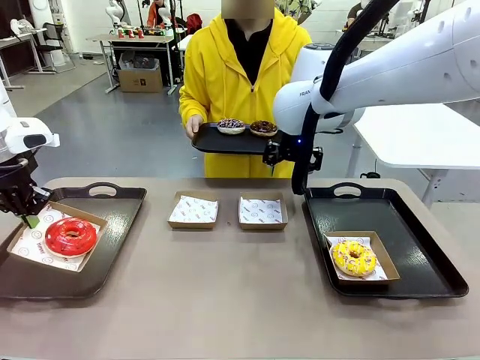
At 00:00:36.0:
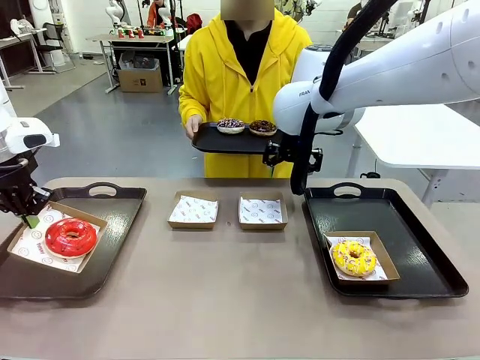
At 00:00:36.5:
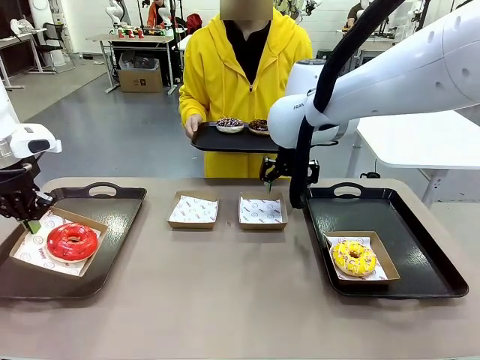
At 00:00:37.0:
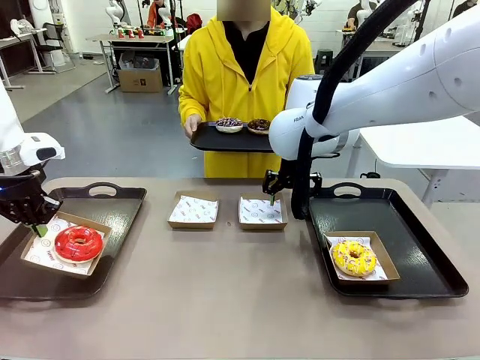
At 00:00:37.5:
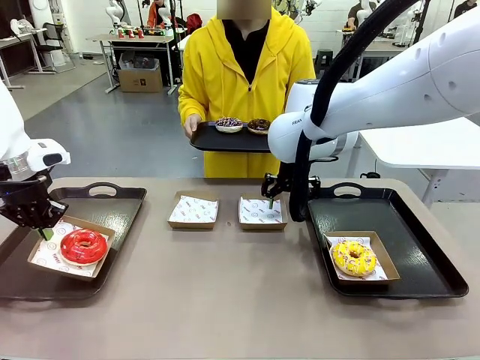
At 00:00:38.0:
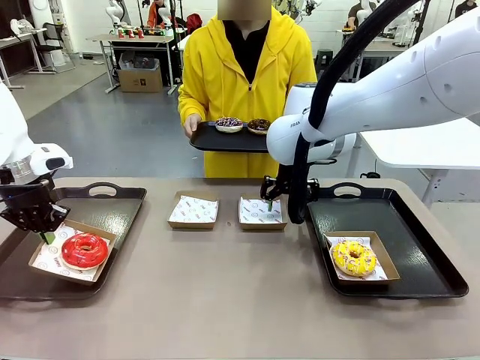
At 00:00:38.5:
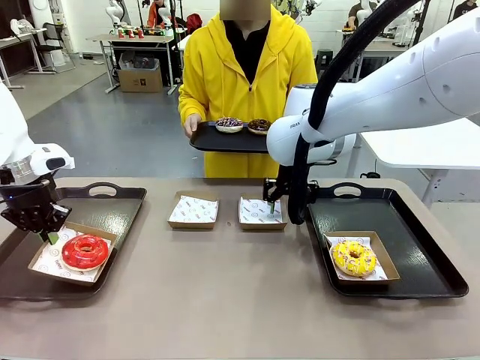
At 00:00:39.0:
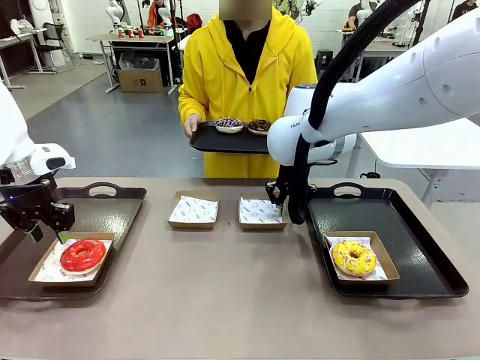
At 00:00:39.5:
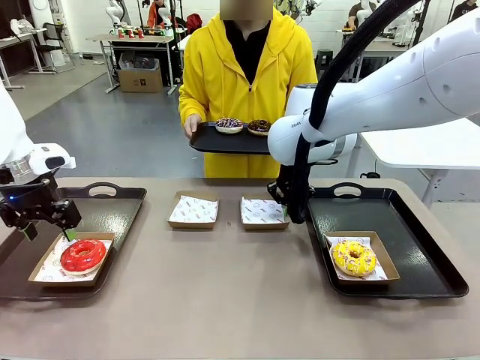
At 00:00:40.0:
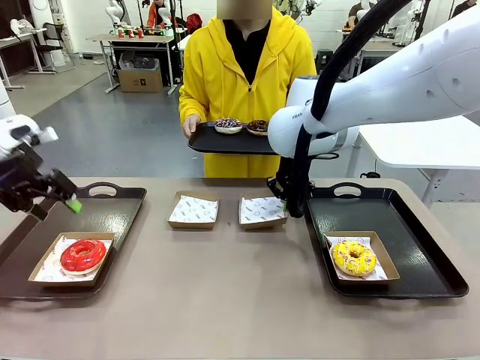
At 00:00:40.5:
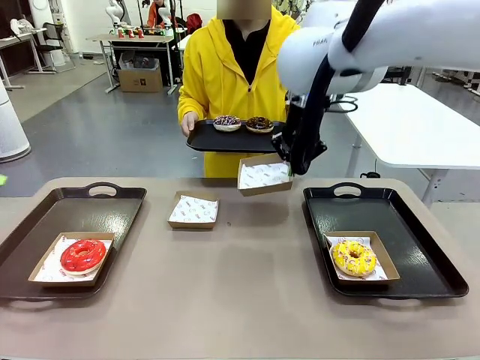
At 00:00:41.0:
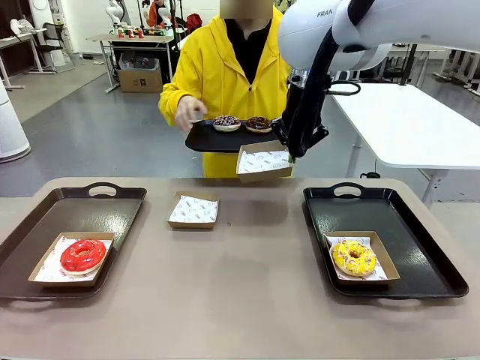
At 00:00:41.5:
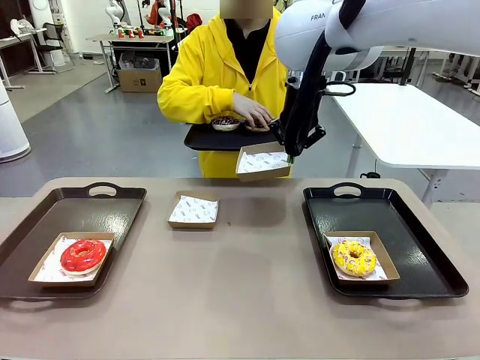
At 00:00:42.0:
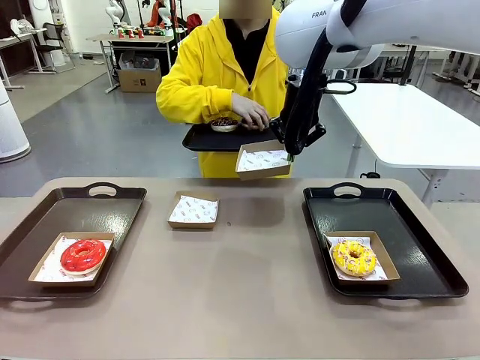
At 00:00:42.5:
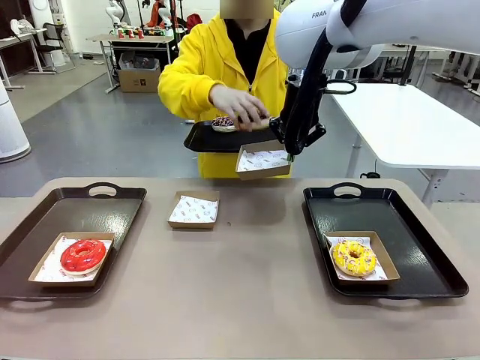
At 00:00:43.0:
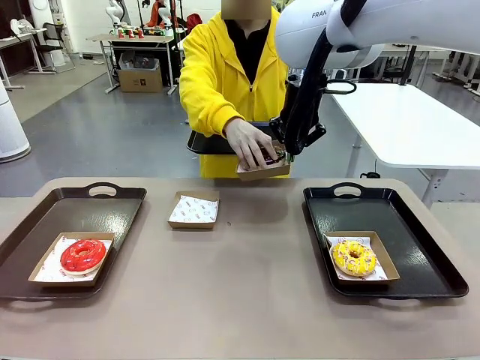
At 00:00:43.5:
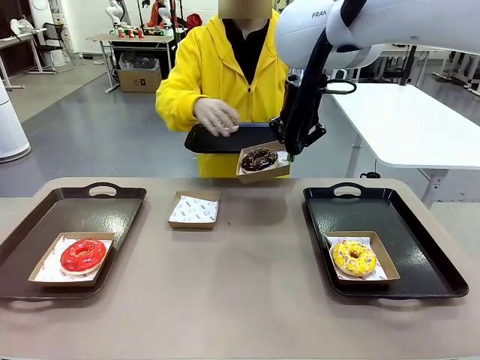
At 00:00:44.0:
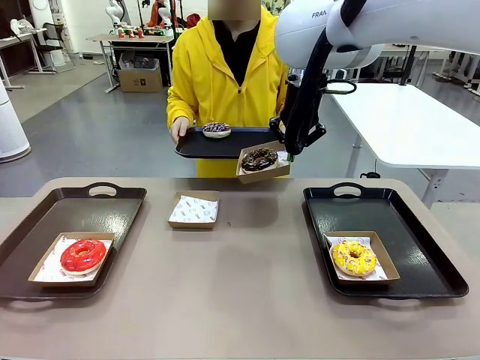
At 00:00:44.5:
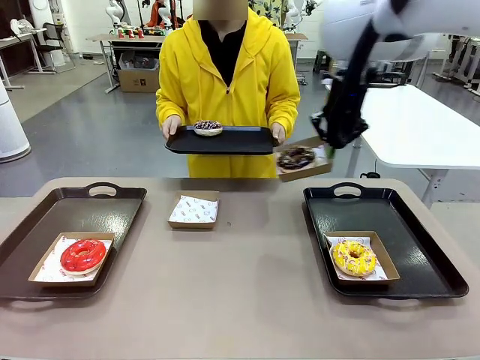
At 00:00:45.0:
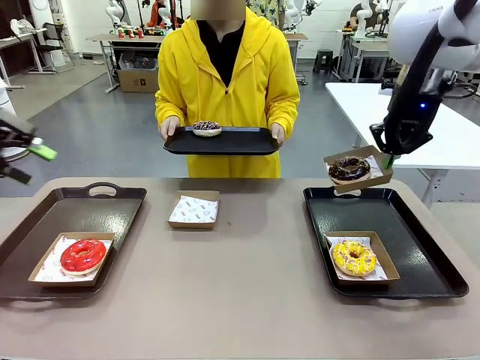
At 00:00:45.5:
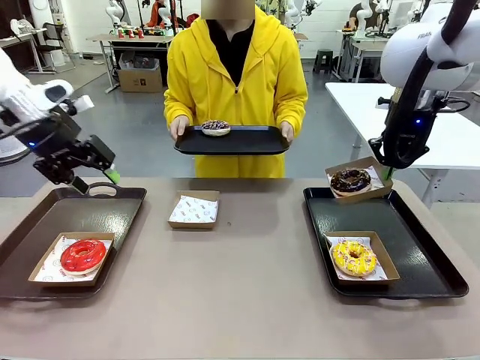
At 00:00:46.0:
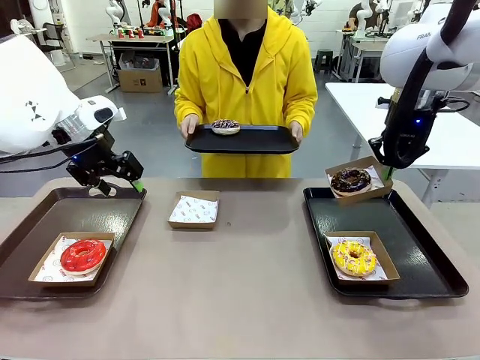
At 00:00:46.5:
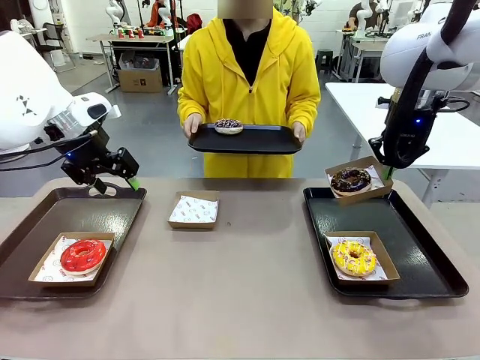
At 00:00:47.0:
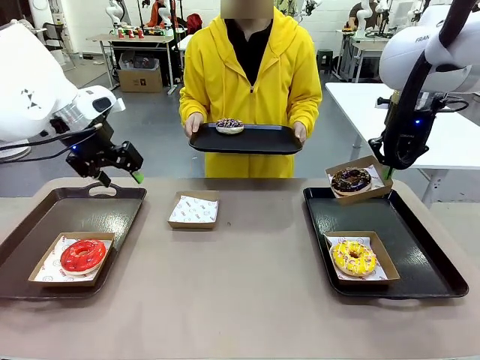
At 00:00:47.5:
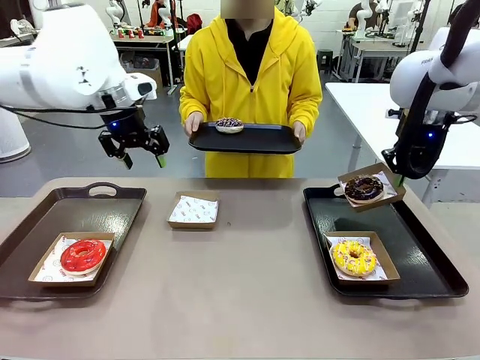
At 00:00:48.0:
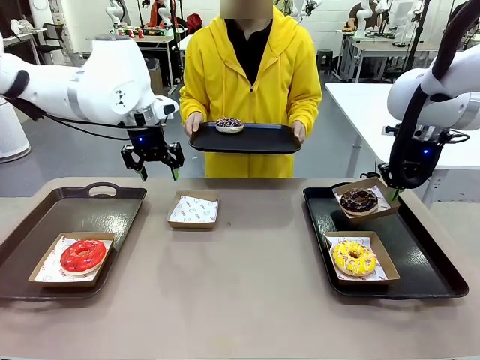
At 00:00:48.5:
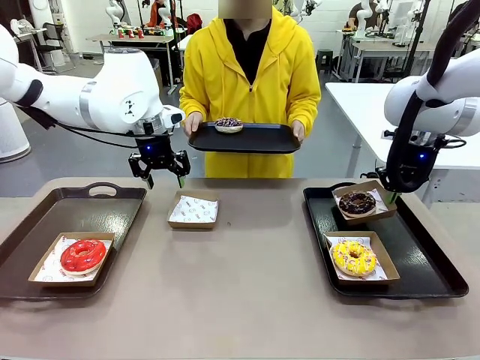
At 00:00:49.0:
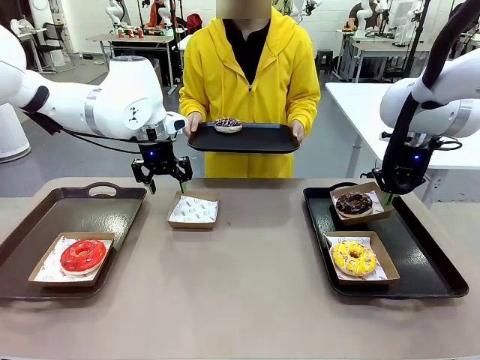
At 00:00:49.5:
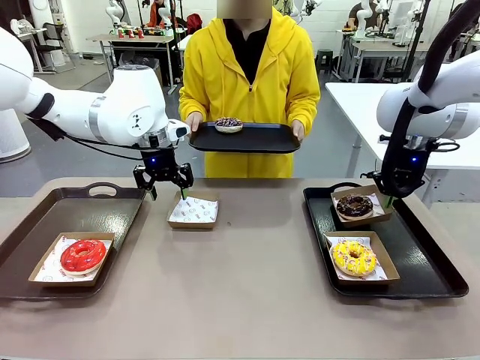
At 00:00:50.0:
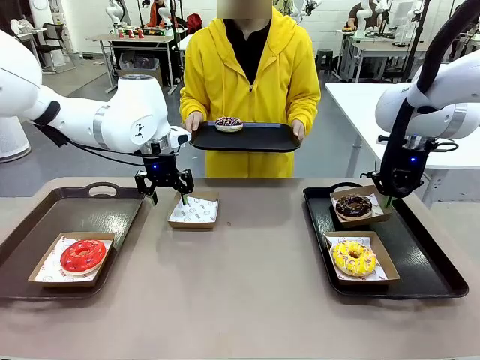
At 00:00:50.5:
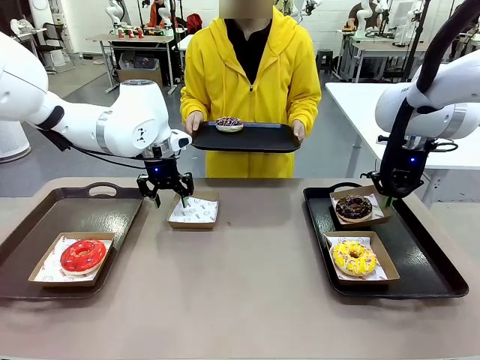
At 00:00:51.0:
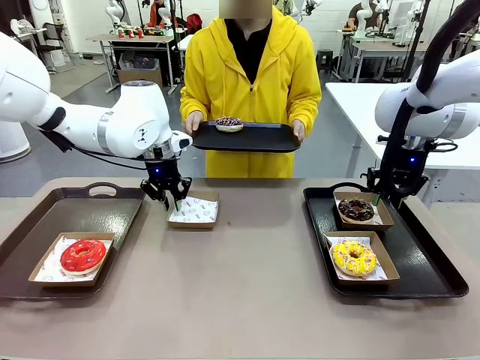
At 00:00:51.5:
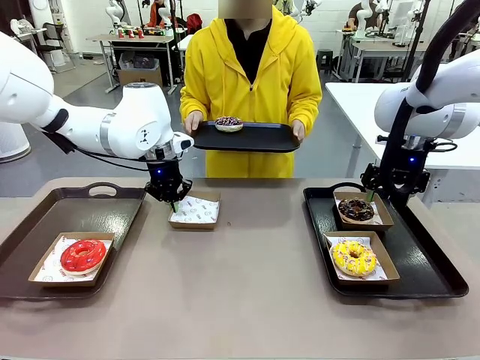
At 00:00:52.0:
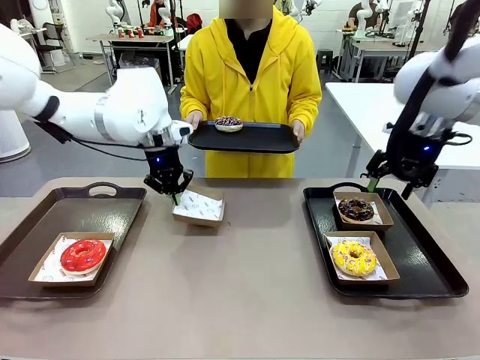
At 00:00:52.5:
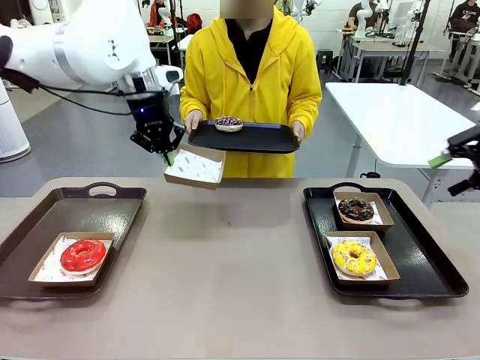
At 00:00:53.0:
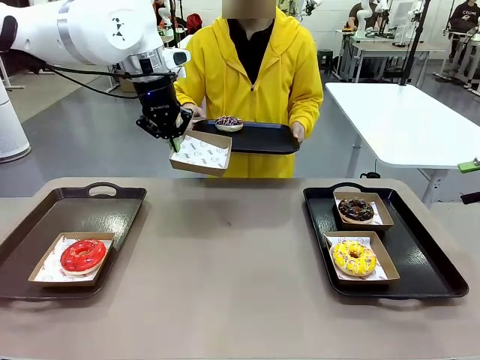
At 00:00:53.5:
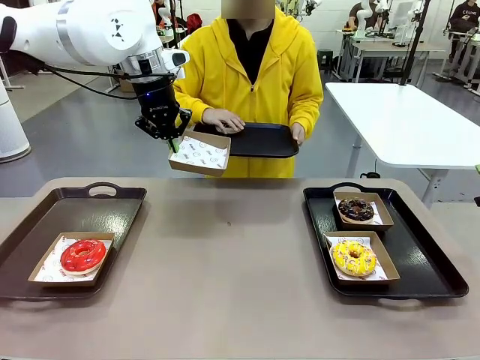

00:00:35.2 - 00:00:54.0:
Task: Individually package the donuts and arrange them on the tray.
Robot: Place the picked Paper togo box on the Handle tray while simultaneously picking up another Paper togo box from the table with the other hand.

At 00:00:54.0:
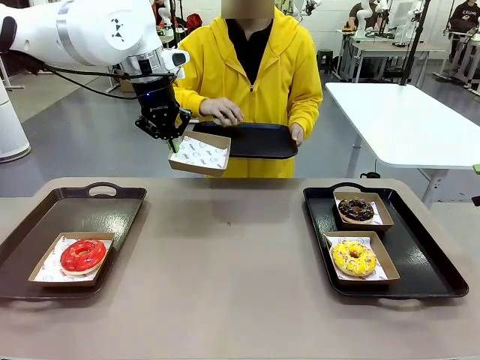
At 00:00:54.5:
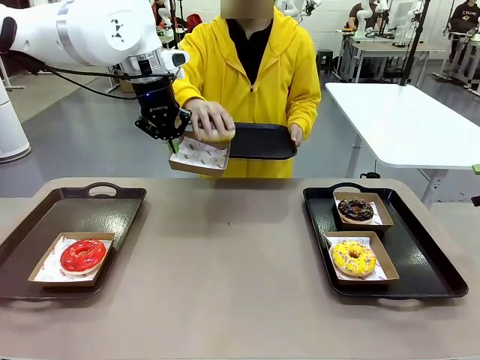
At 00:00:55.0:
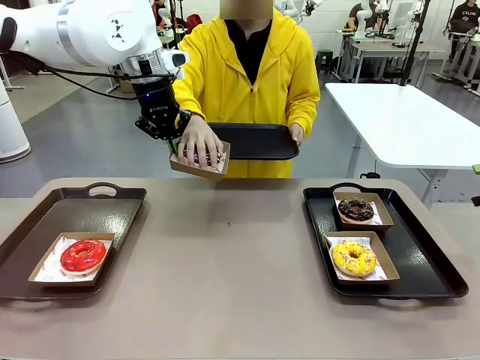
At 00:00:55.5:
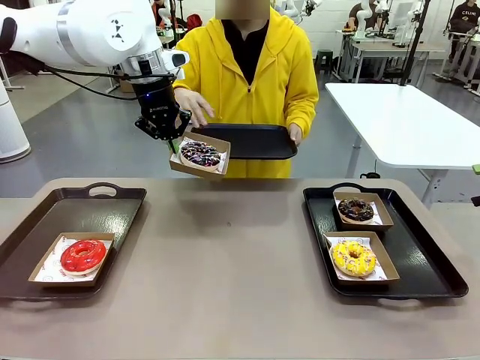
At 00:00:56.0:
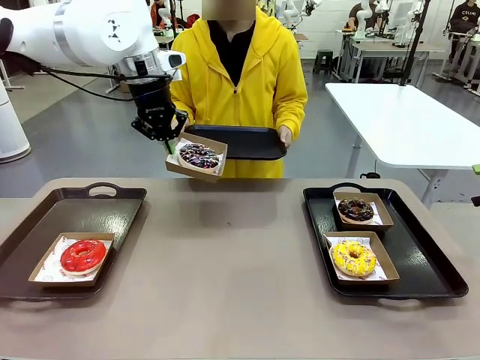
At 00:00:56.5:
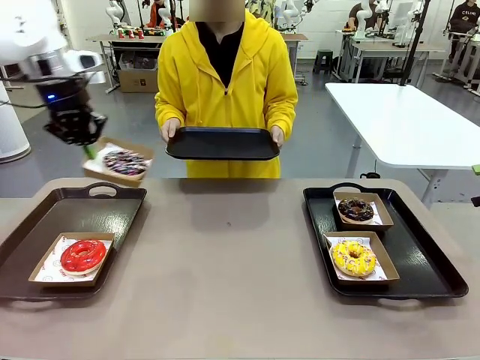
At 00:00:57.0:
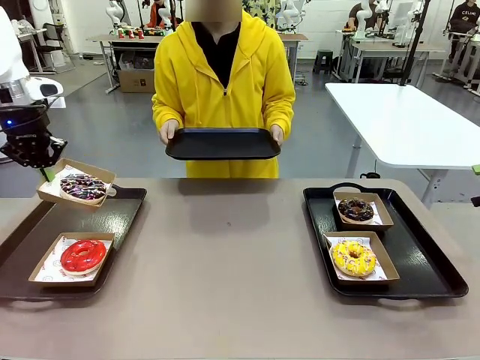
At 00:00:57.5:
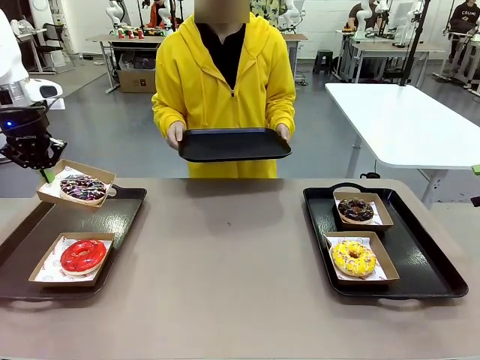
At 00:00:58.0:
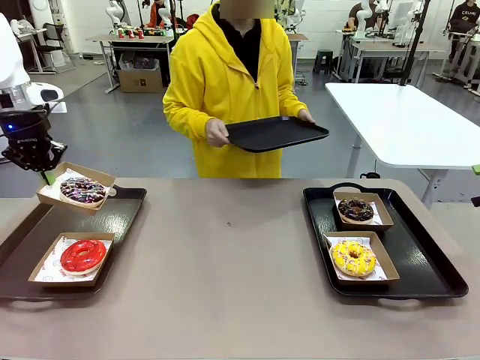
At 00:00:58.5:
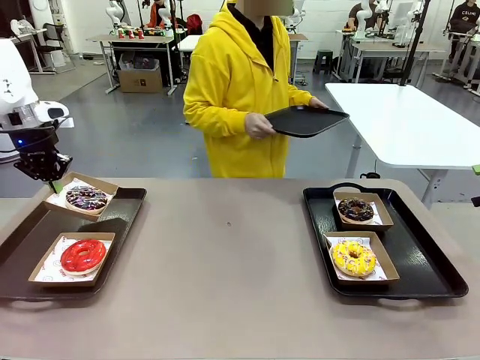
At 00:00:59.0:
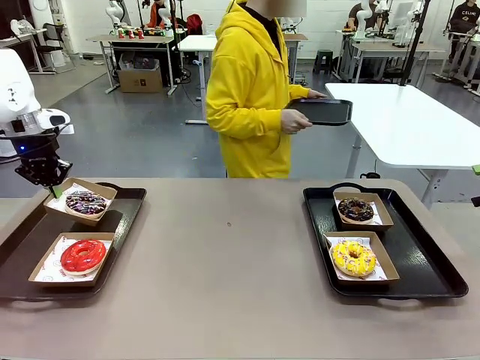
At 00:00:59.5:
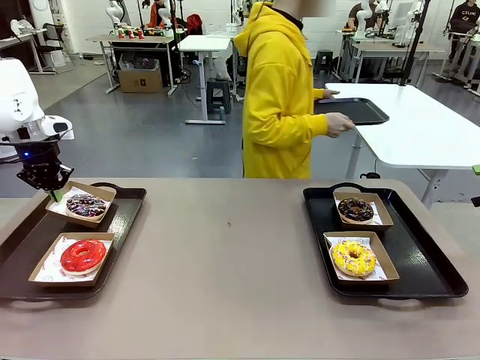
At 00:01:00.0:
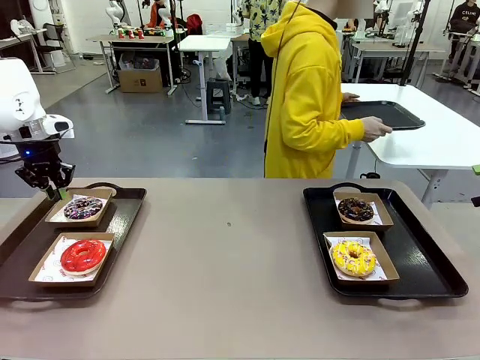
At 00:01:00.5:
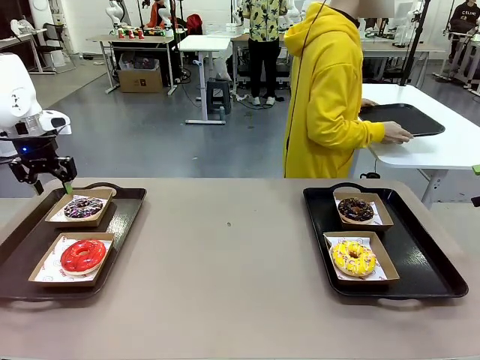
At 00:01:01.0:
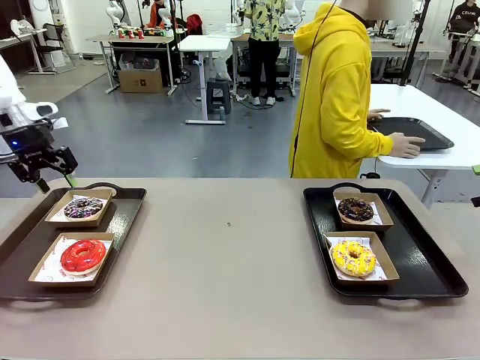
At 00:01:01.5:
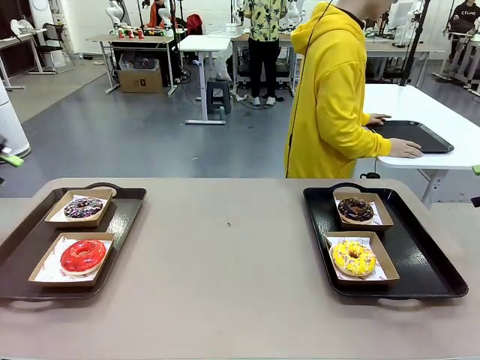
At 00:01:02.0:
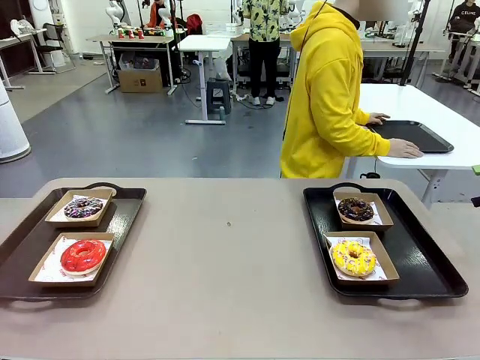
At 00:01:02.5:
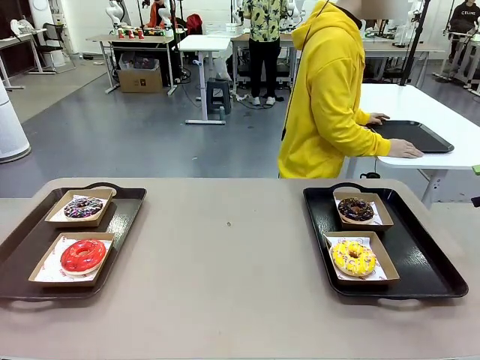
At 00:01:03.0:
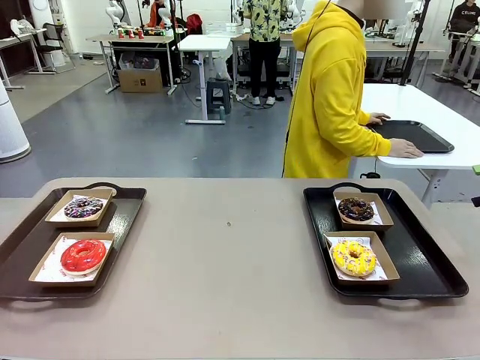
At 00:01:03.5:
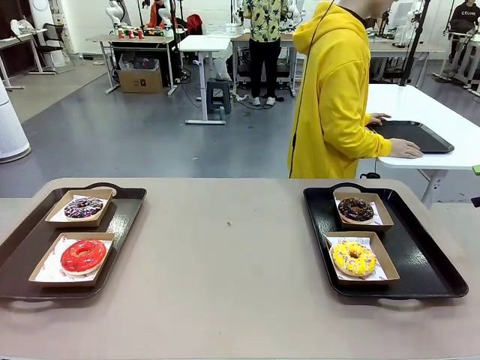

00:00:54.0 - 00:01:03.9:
Robot: Place the picked Paper togo box on the Handle tray.
Person: Place the tray down in the middle of the human table.
